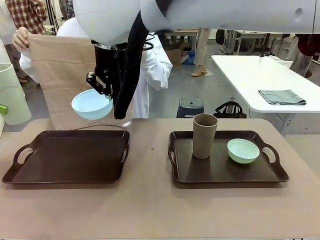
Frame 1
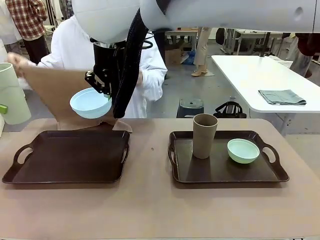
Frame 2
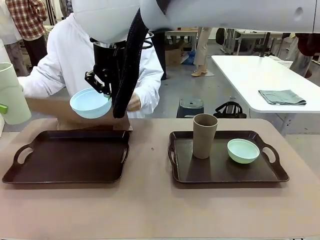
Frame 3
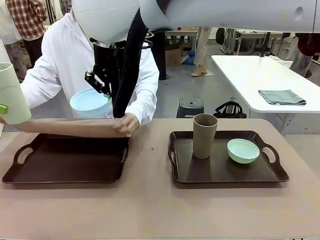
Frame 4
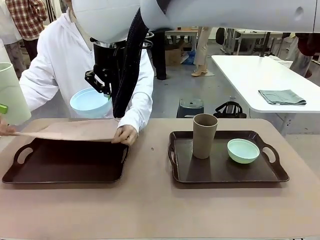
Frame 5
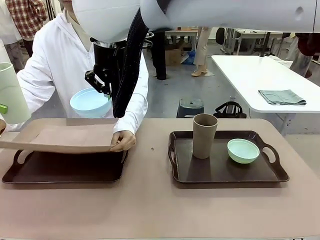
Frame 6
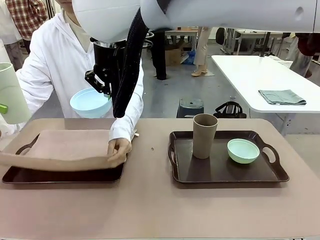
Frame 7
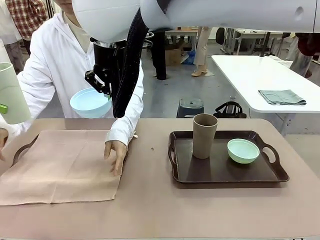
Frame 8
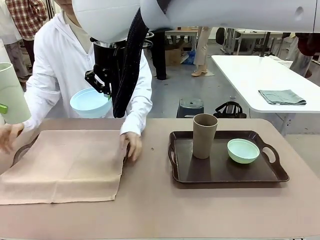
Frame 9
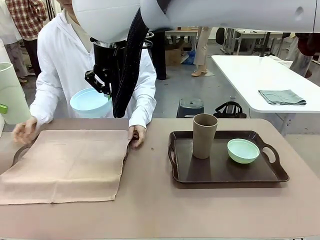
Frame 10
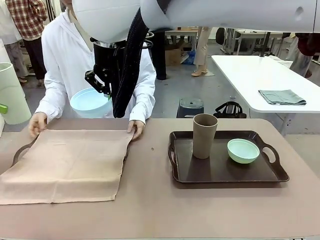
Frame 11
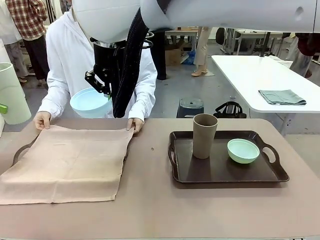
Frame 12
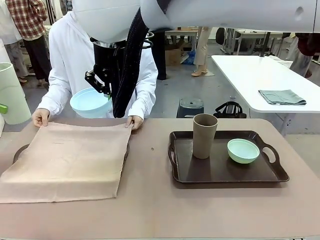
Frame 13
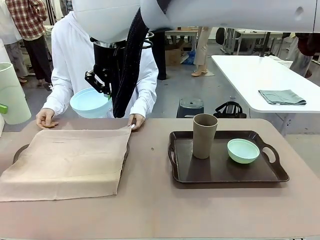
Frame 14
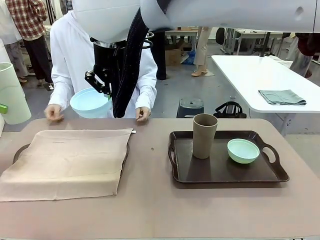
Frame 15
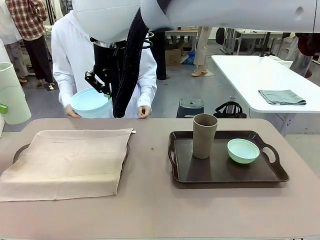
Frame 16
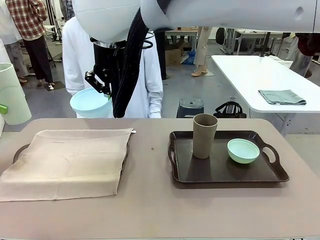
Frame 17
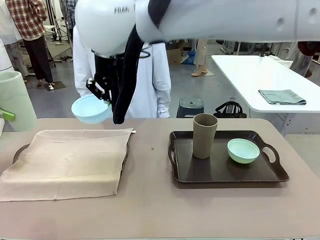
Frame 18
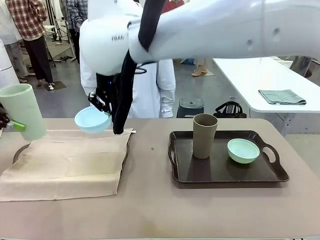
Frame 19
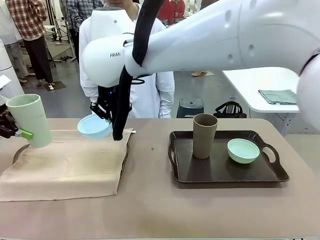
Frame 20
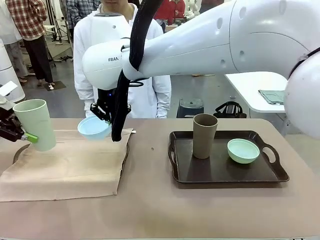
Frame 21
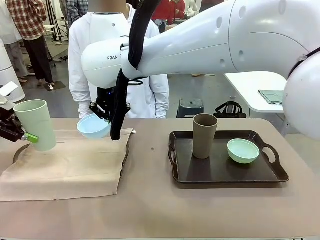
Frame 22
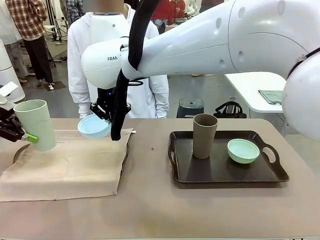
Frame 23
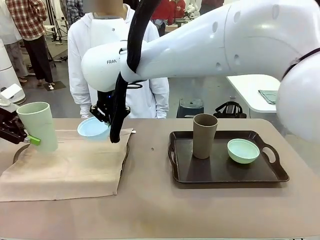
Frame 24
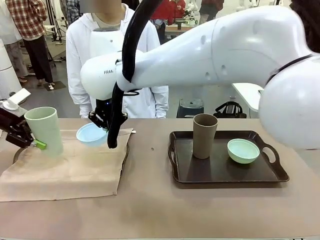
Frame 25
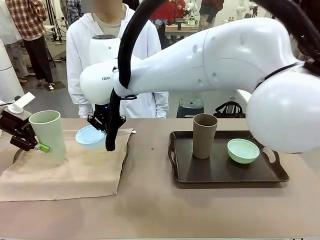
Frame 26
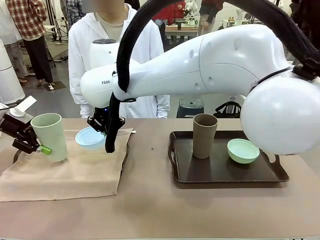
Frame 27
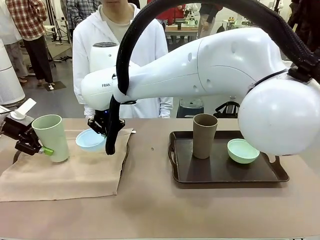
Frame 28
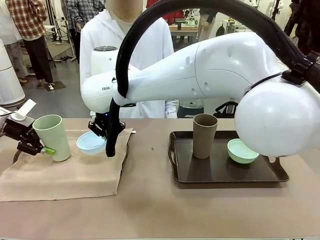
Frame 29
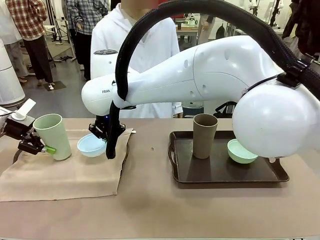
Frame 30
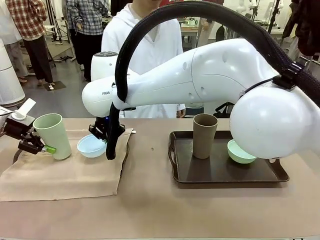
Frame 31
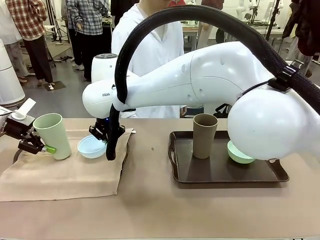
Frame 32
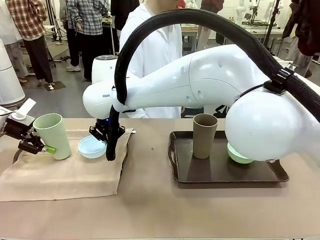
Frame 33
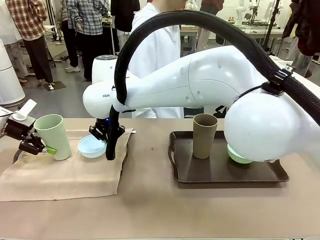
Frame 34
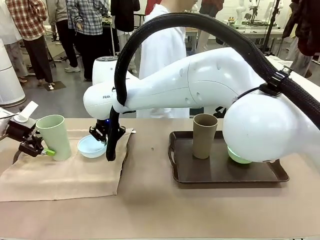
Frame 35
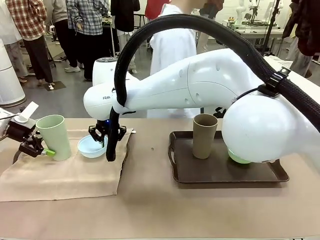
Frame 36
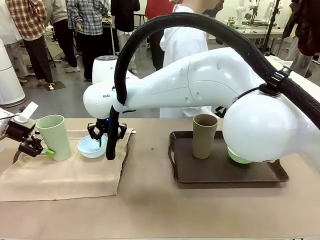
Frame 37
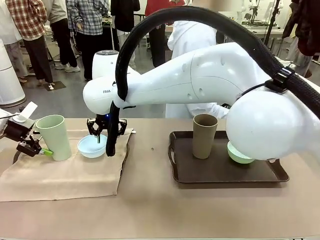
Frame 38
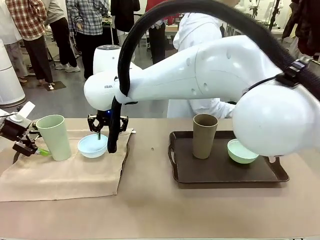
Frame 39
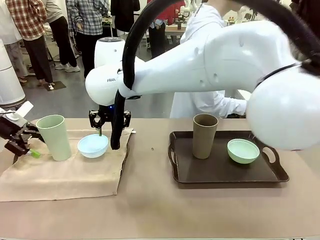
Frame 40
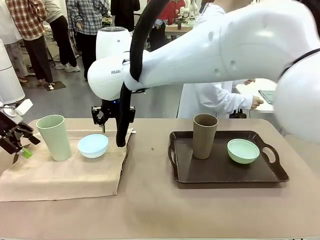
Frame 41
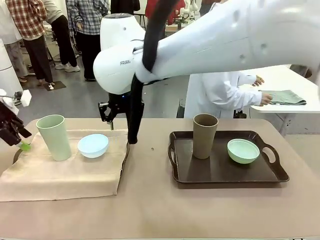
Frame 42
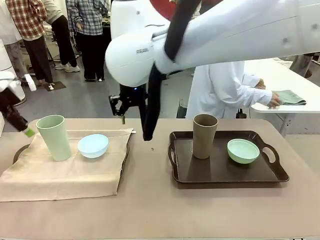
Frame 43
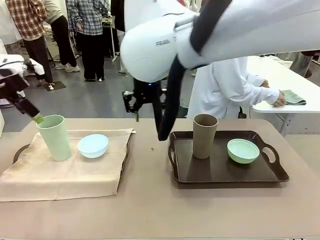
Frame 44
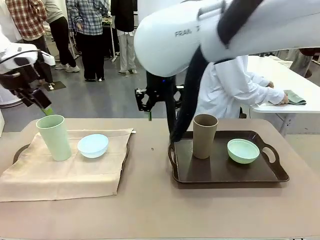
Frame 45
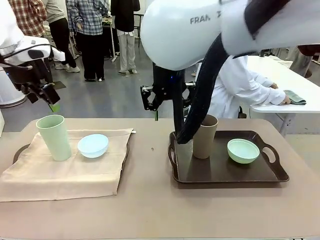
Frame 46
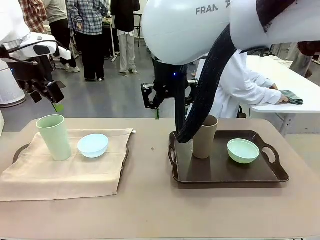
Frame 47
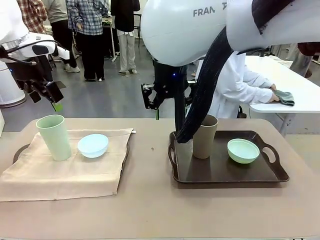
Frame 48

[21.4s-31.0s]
Robot: Place the Picnic Bowl and Reusable plastic cup back onto the Handle tray in front of the human's position.
Person: The human returns to the human table to pick up another napkin and walks to the robot table to stand in front of the tray without a napkin.

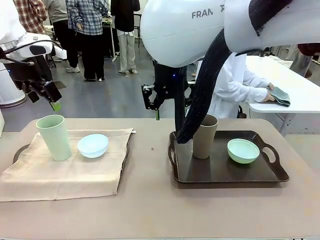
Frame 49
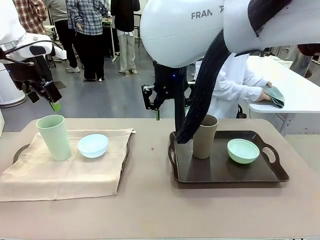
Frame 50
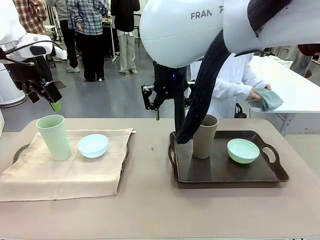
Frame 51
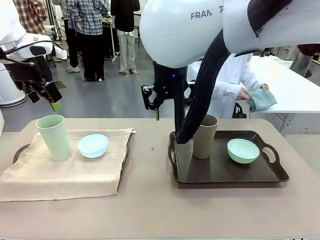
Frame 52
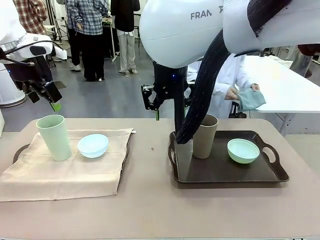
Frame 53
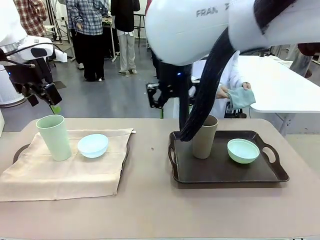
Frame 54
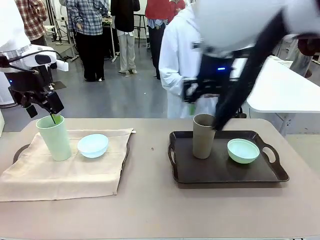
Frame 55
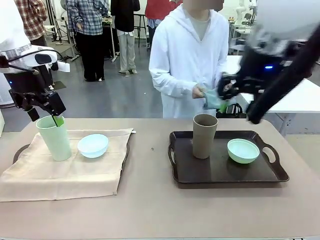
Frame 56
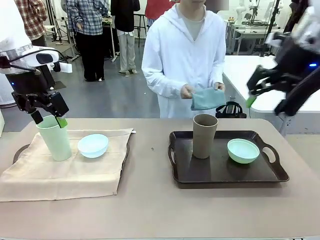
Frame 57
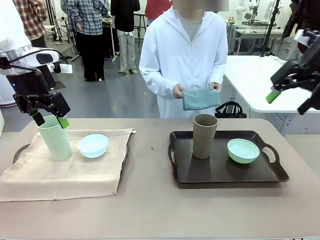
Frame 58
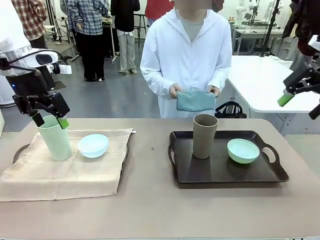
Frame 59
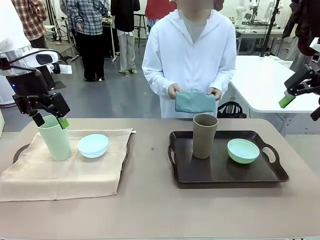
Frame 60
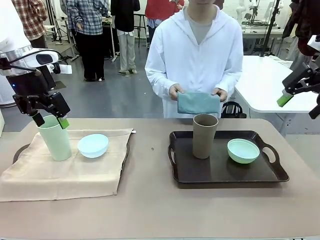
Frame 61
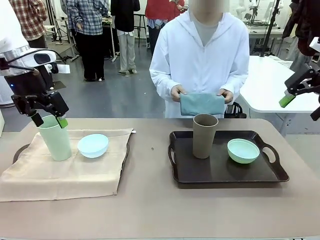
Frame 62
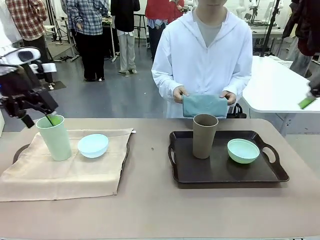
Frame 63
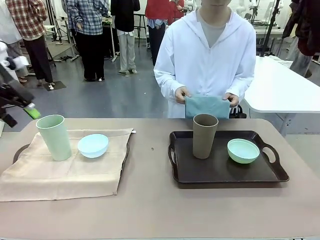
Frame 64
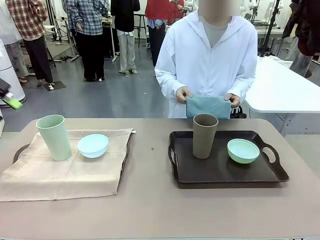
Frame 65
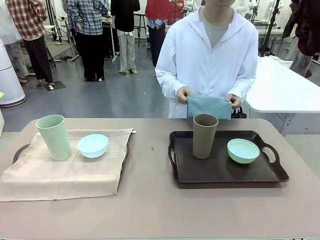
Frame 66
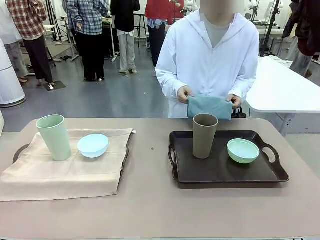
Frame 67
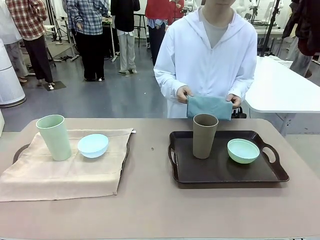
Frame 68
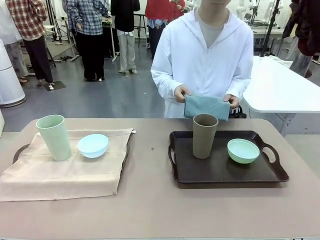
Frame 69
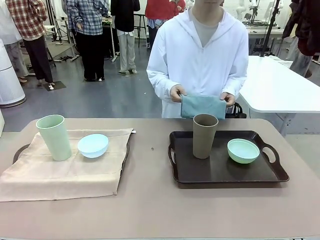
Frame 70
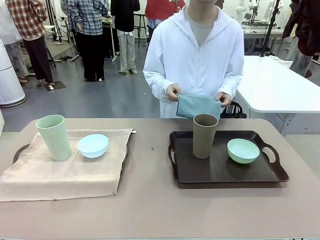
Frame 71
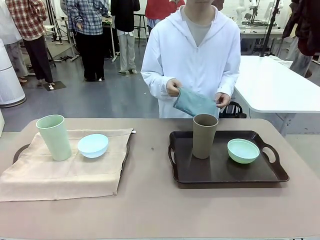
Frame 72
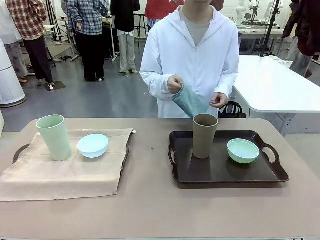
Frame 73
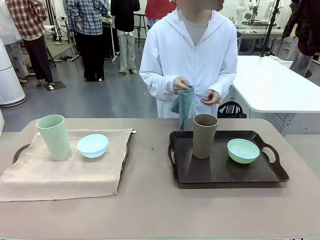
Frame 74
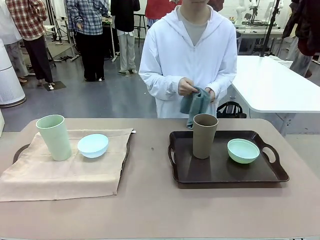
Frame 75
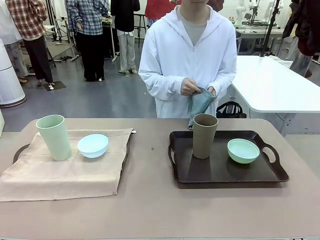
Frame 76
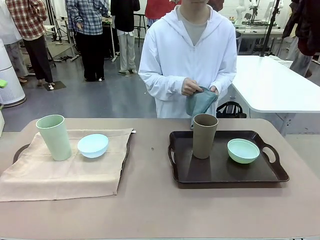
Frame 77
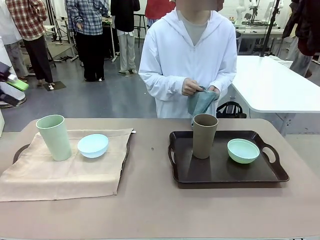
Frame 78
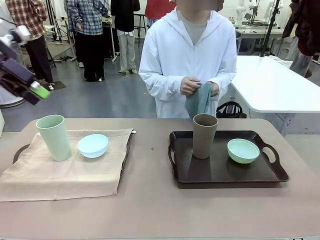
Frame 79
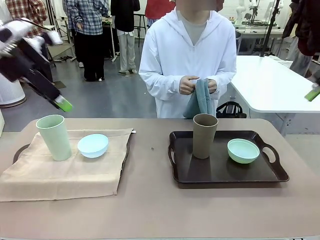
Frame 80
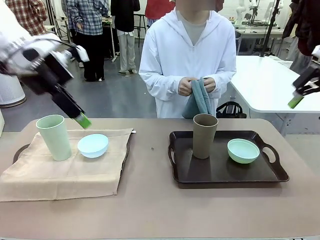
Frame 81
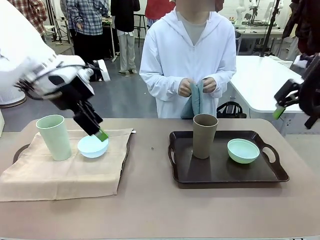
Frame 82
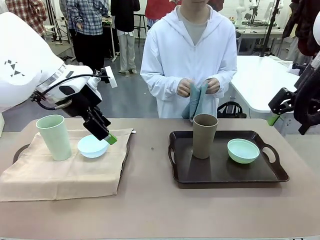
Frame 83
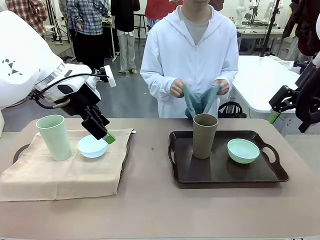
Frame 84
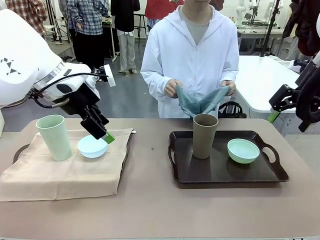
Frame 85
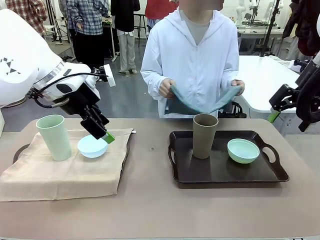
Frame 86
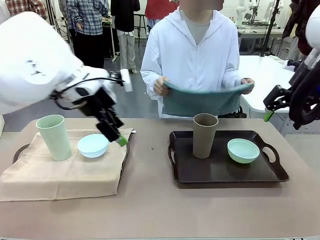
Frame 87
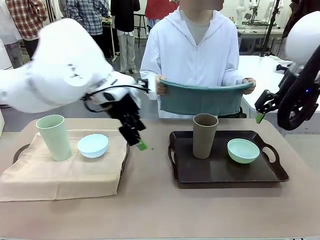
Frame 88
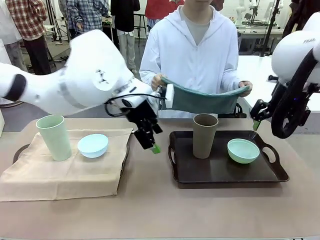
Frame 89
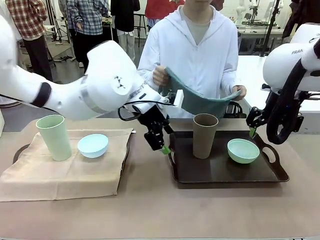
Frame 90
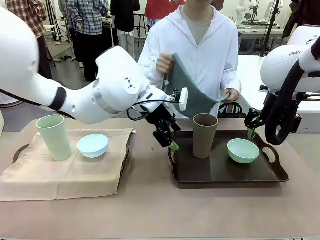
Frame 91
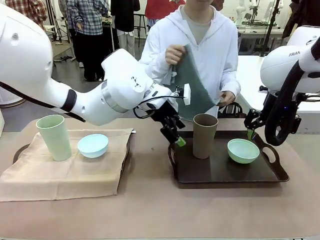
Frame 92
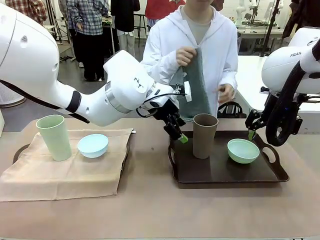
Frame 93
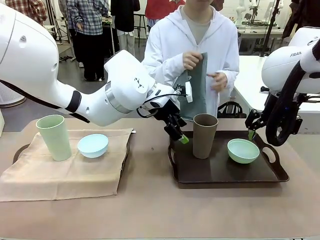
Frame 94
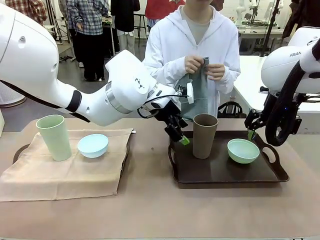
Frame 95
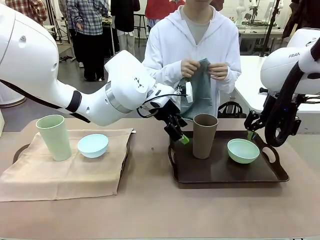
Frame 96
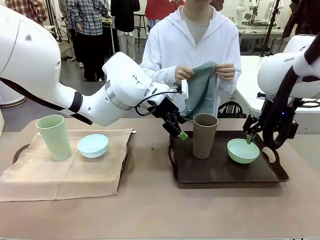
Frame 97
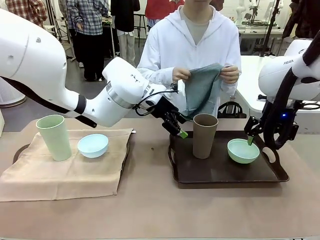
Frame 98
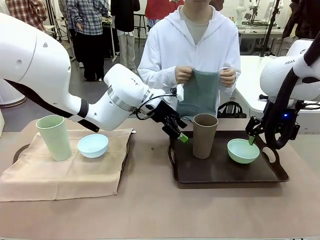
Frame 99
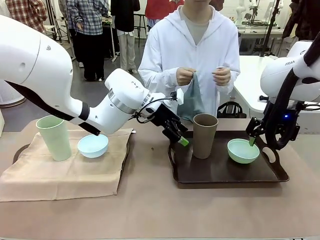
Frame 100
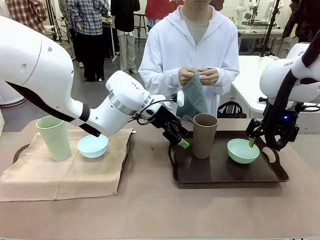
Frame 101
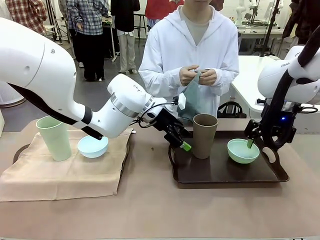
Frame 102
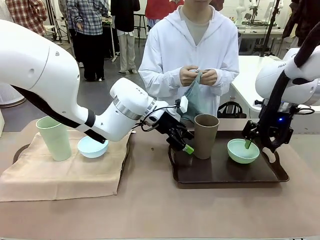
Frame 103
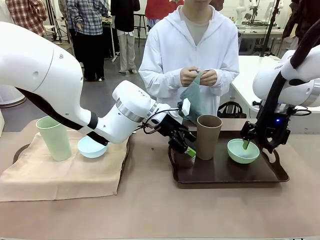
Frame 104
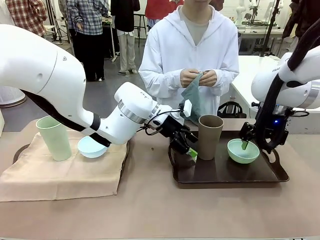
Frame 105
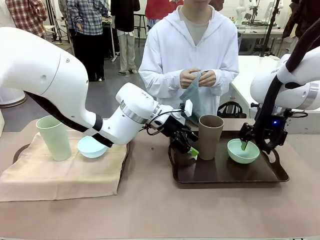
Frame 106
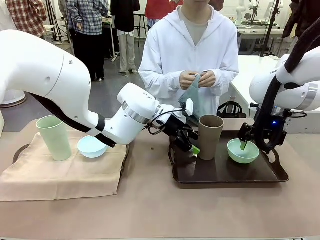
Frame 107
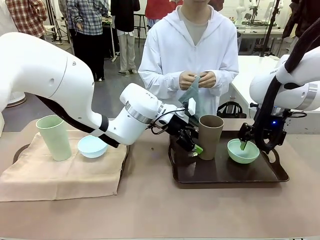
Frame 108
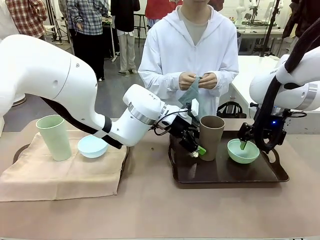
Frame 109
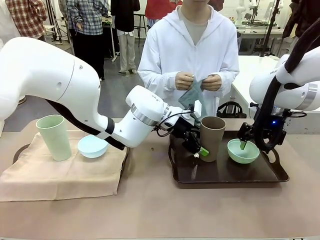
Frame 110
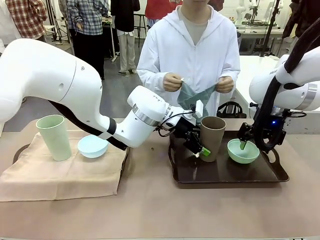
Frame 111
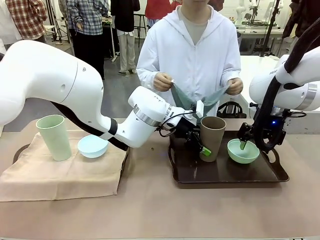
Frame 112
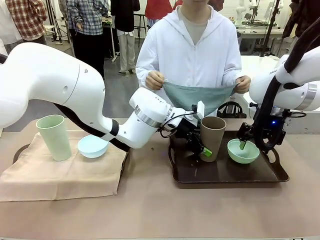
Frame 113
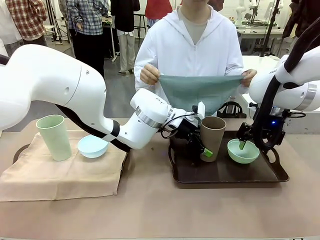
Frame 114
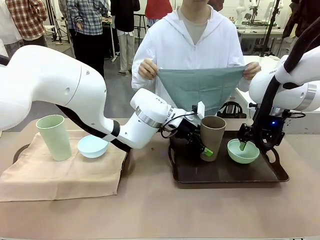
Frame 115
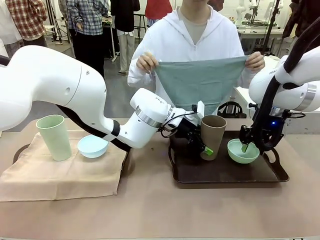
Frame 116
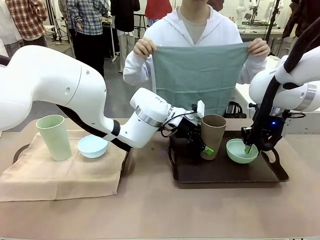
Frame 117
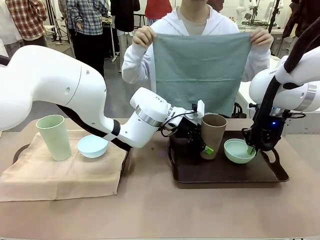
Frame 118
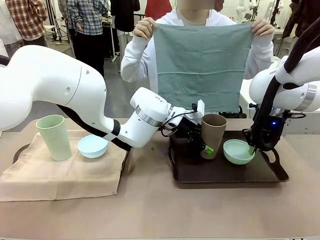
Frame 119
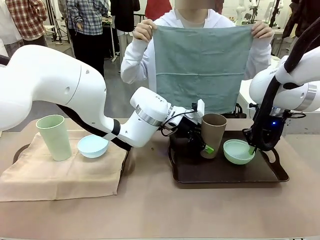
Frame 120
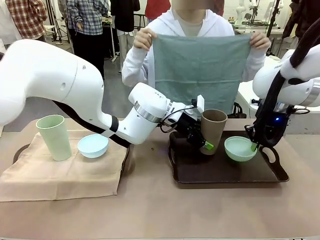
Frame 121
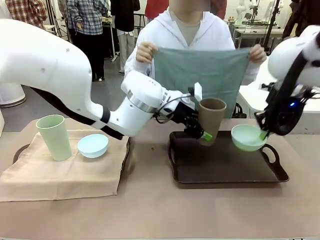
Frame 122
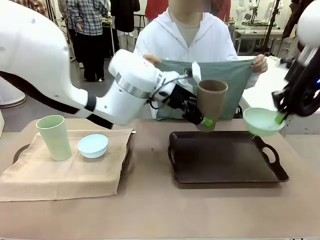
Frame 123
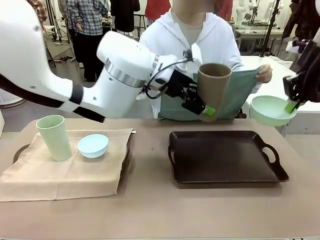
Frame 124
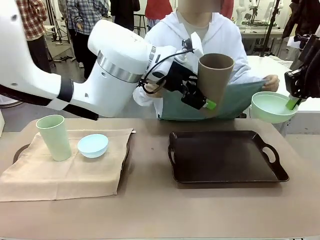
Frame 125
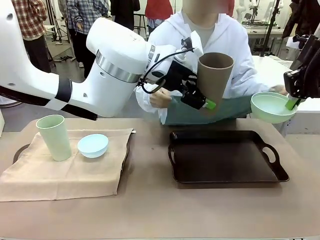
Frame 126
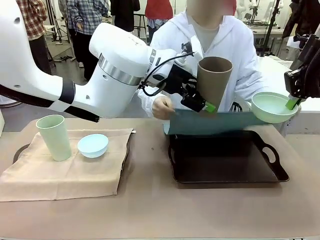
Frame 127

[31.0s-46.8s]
Robot: Pick up the Picnic Bowl and Reusable plastic cup from the Handle tray in front of the human's position and hold them in the air.
